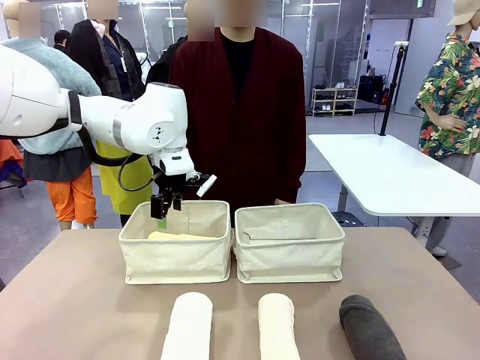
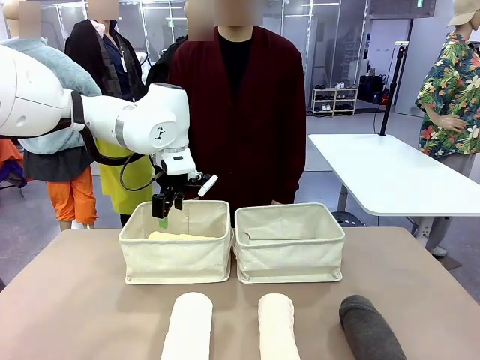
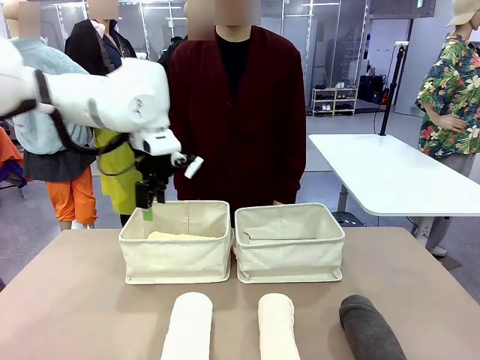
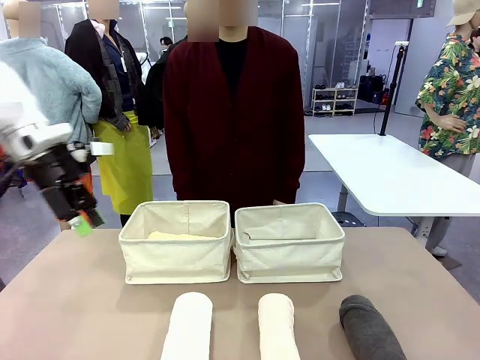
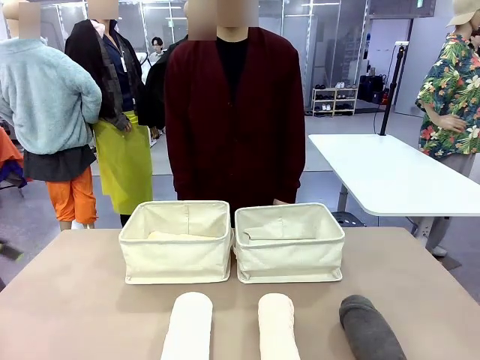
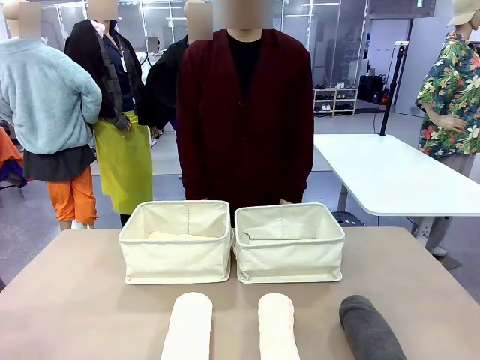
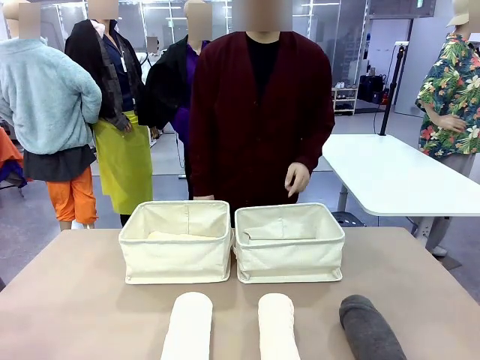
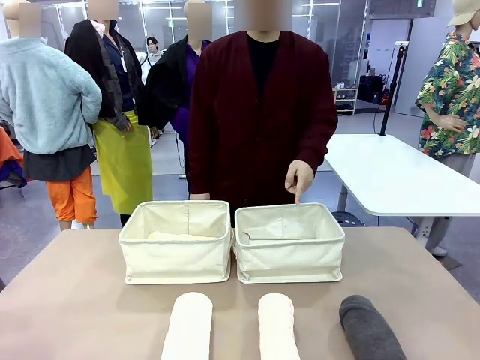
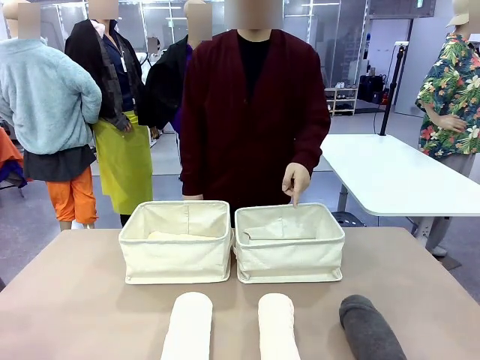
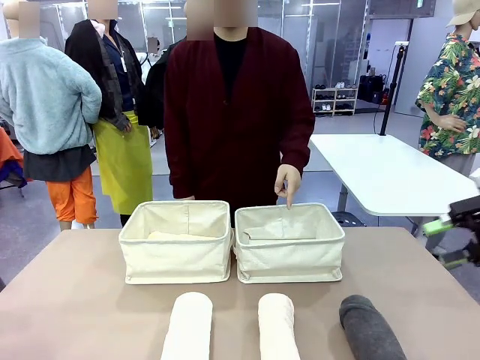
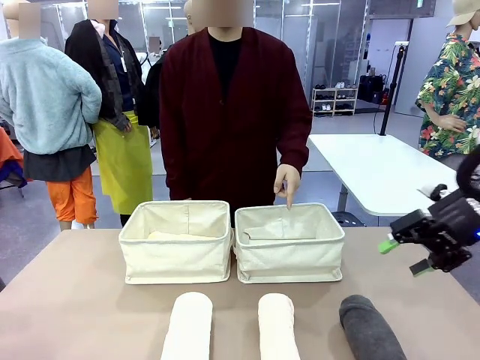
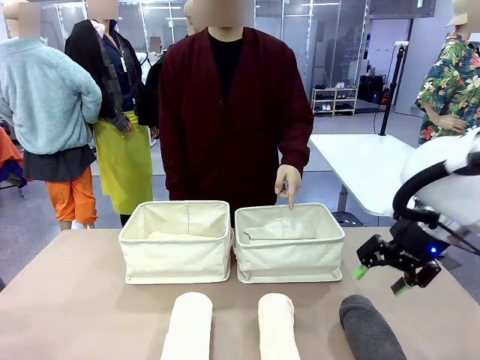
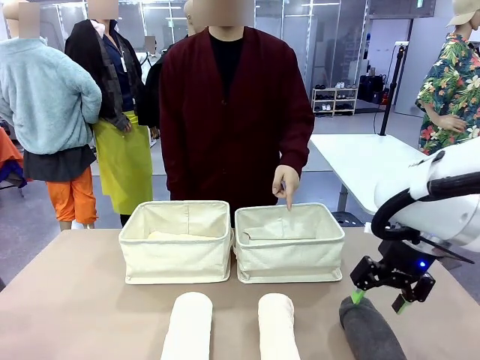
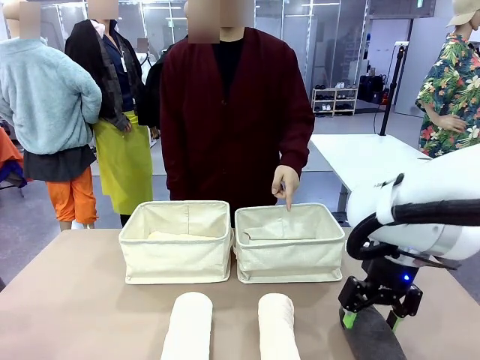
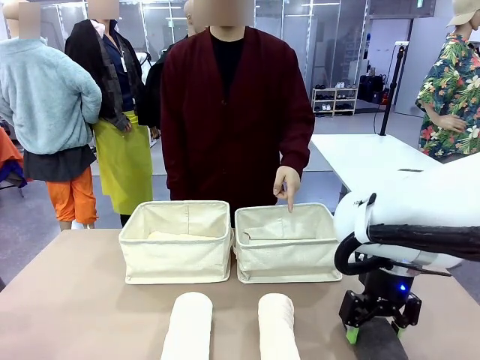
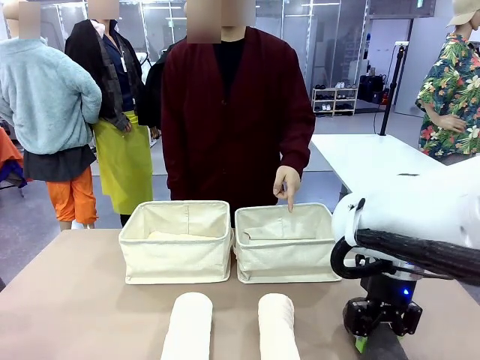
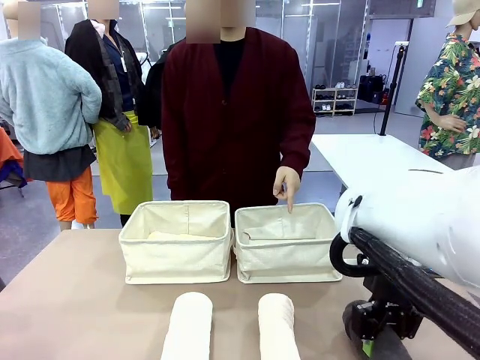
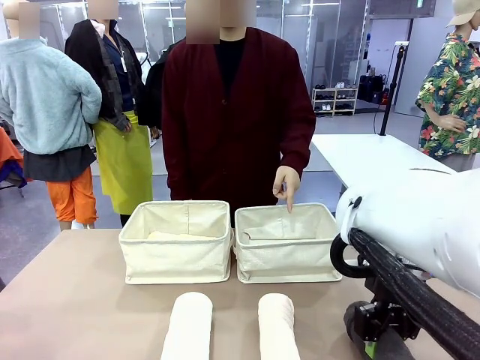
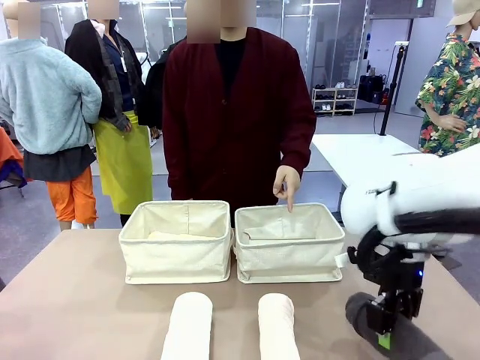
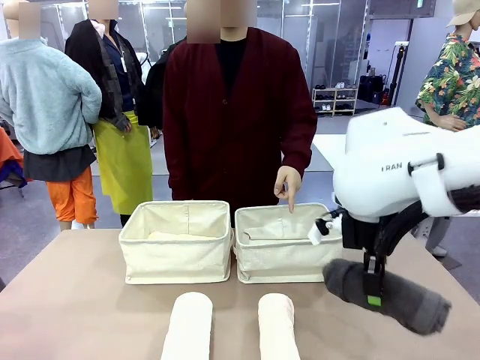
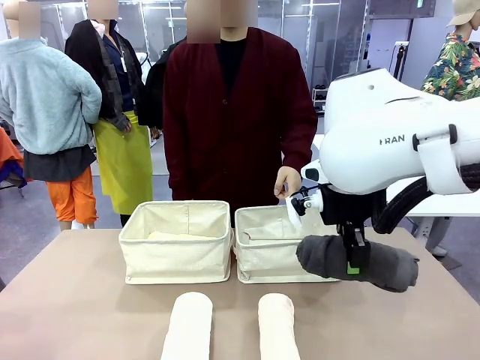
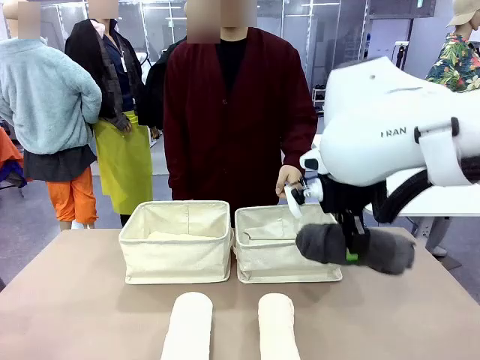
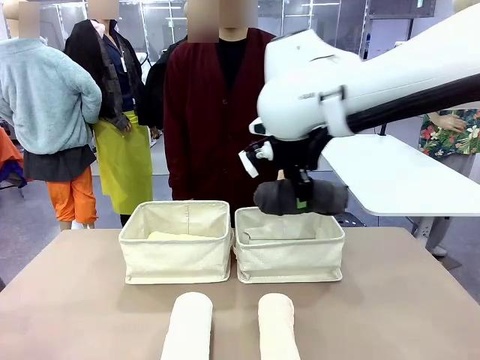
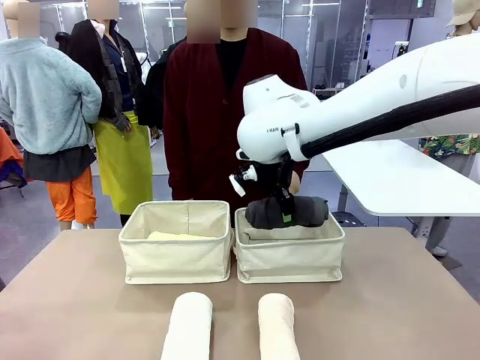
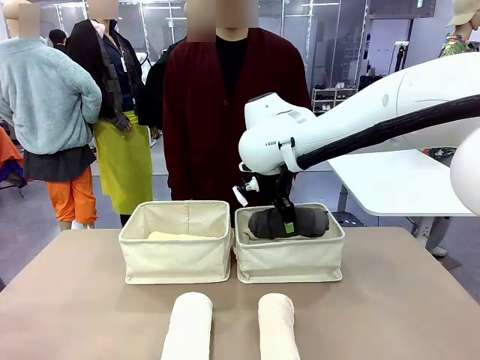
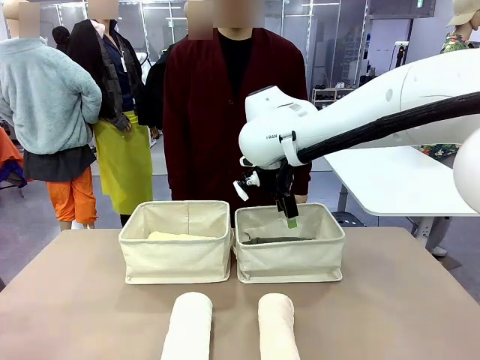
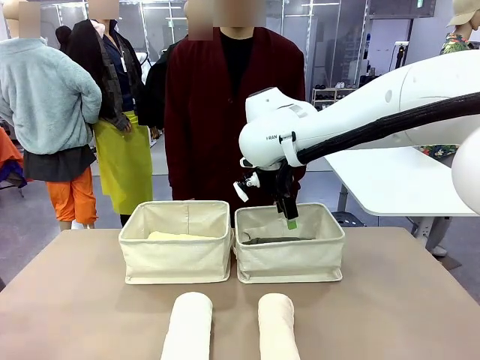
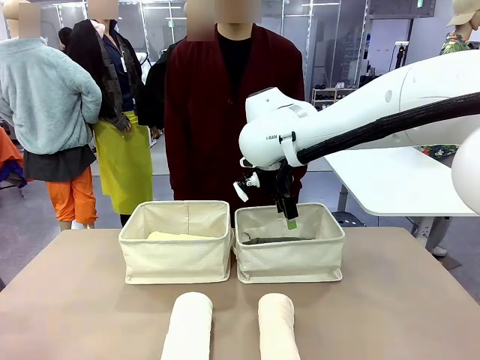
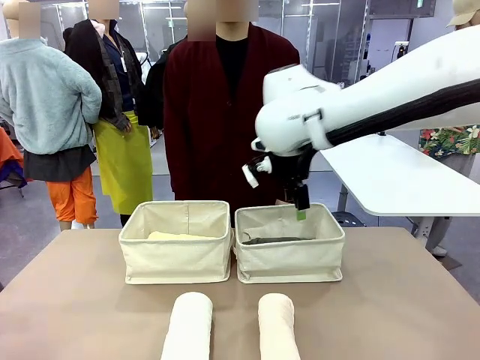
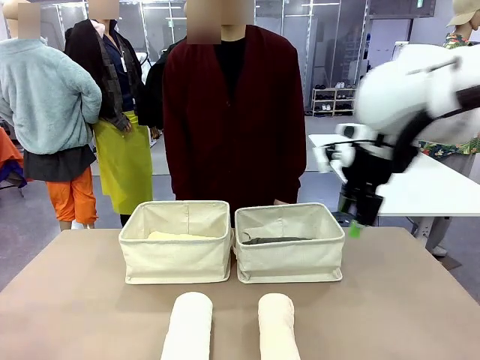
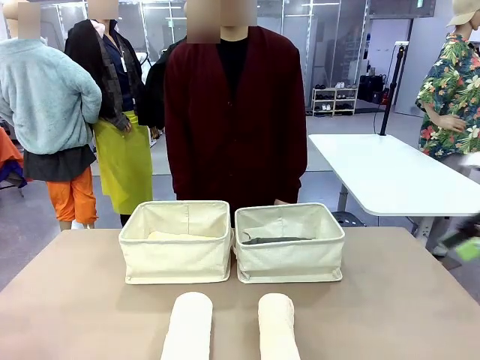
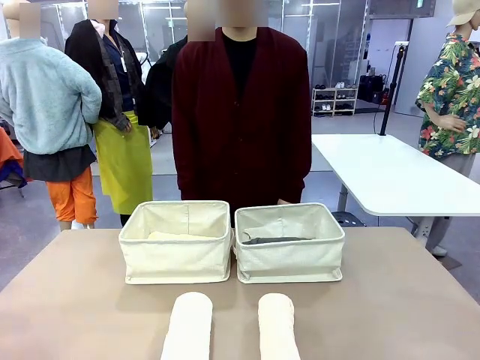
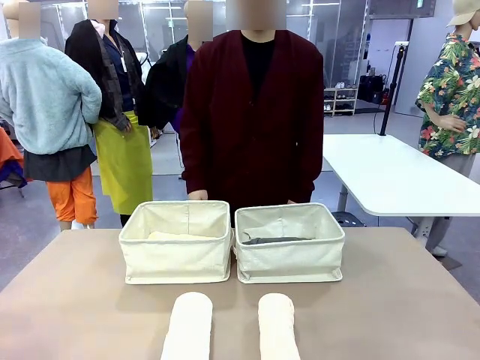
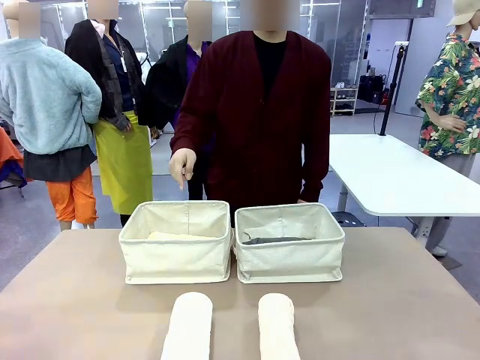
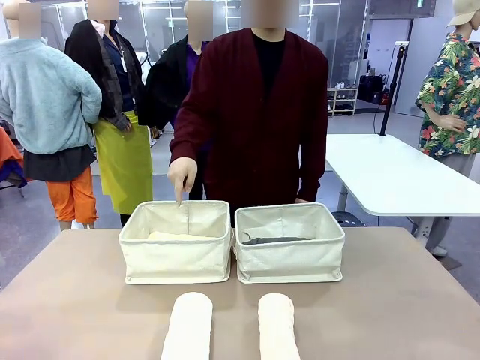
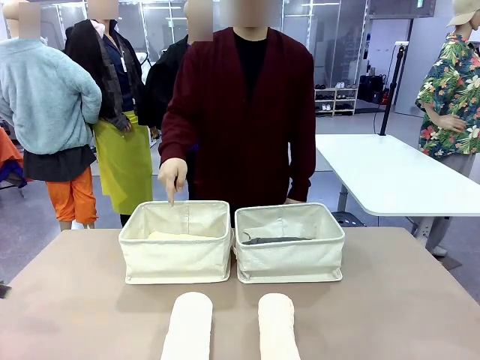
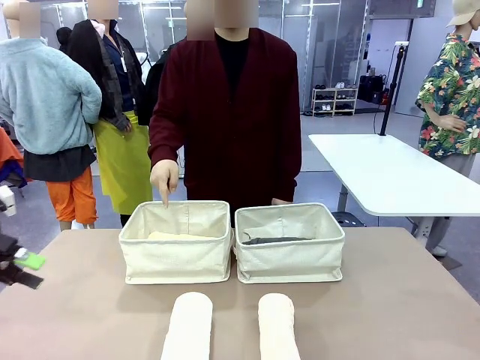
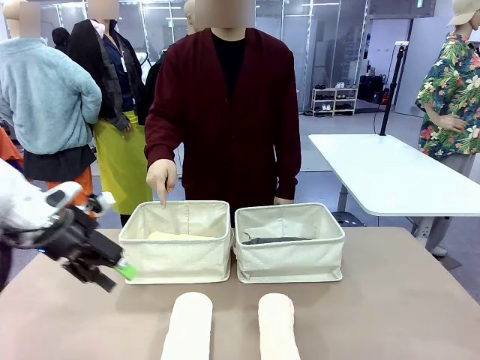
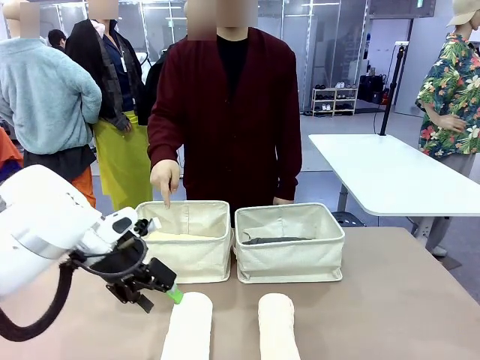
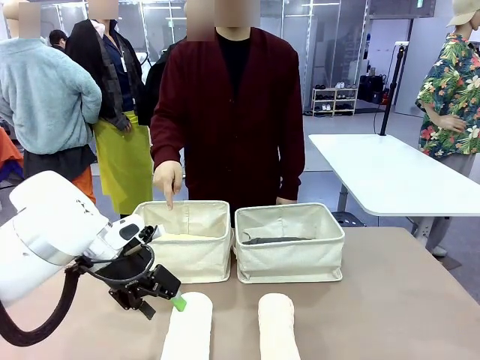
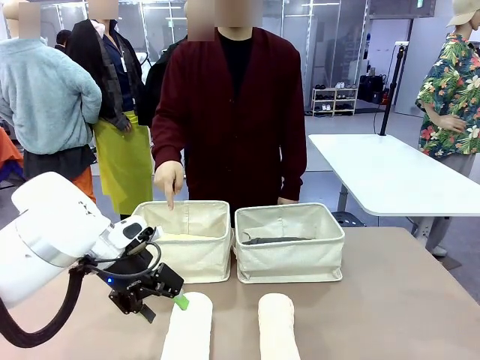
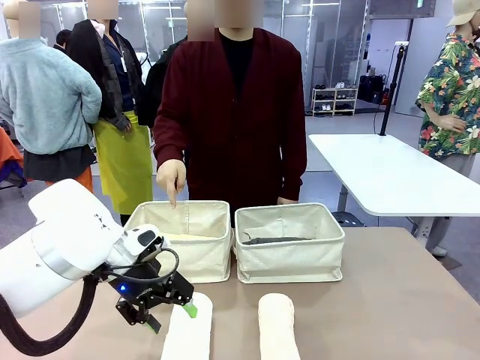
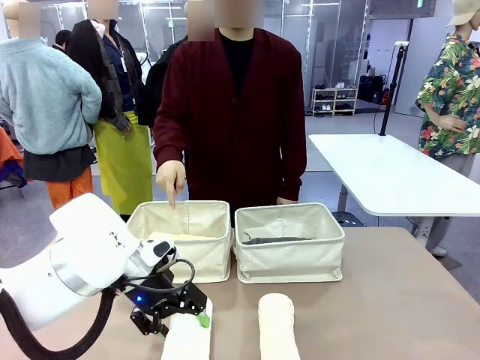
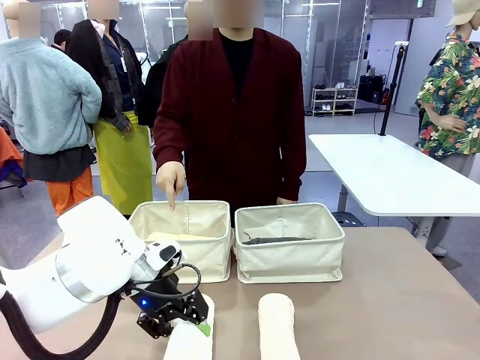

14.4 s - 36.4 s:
Task: Divide the towels into two baskets.
Robot: Pick up one hotel-folded towel from the bottom of the table and place it in the Fabric basket indicated by the person.
